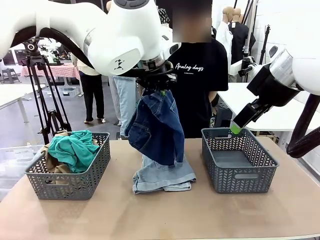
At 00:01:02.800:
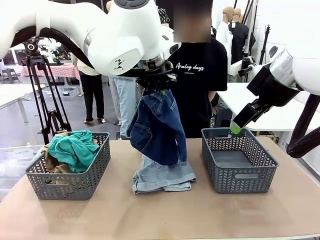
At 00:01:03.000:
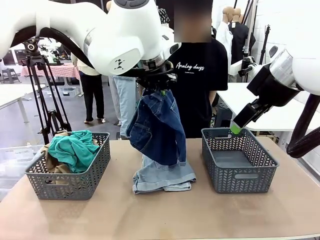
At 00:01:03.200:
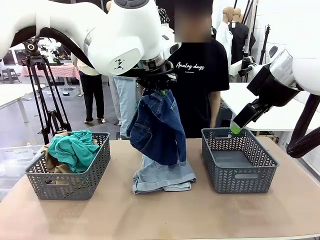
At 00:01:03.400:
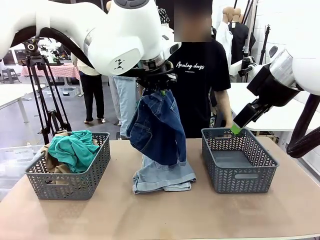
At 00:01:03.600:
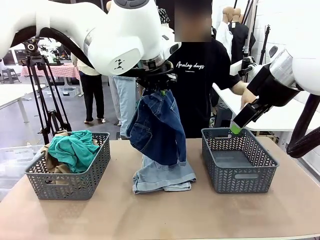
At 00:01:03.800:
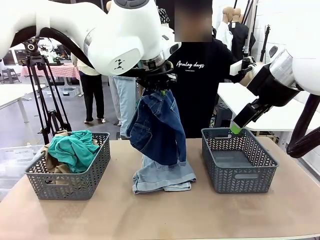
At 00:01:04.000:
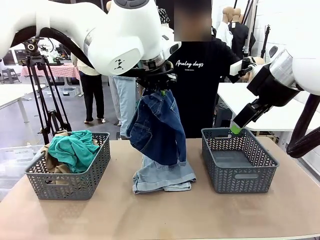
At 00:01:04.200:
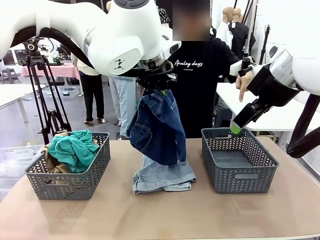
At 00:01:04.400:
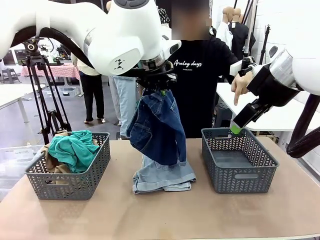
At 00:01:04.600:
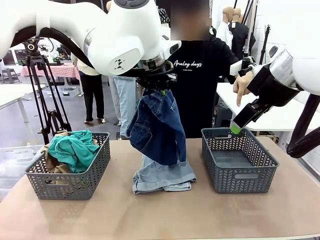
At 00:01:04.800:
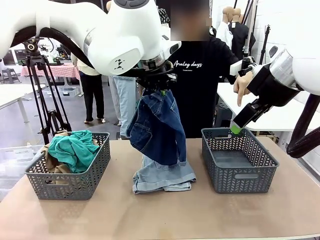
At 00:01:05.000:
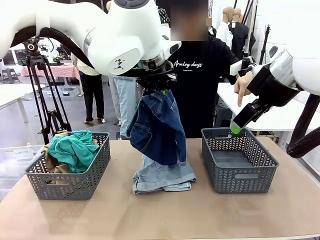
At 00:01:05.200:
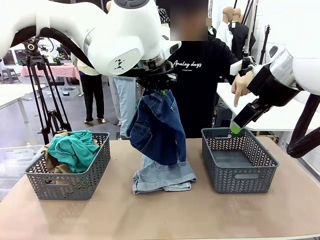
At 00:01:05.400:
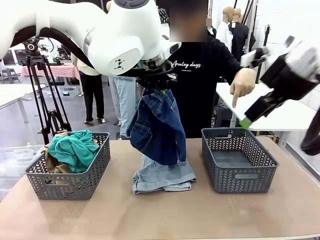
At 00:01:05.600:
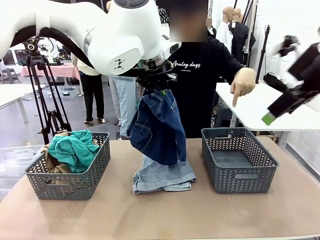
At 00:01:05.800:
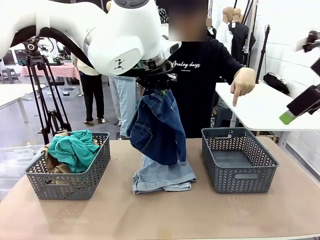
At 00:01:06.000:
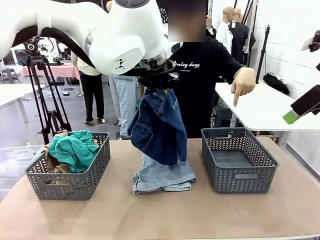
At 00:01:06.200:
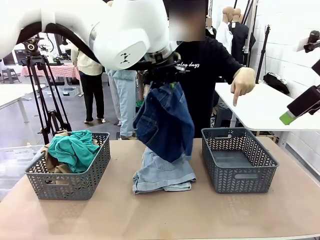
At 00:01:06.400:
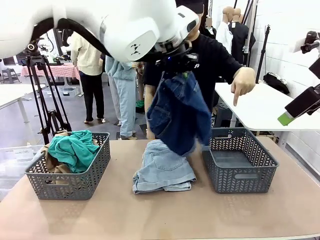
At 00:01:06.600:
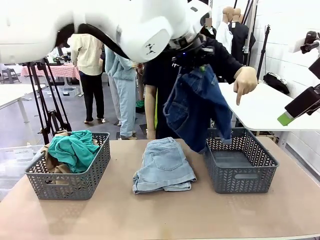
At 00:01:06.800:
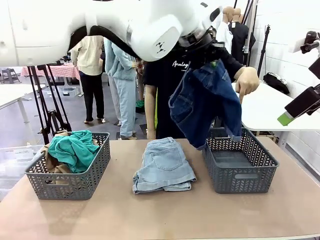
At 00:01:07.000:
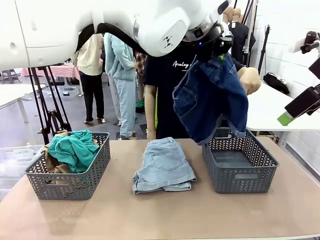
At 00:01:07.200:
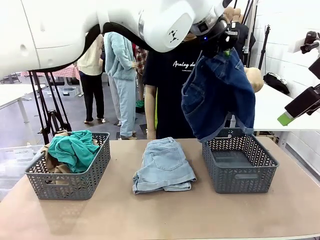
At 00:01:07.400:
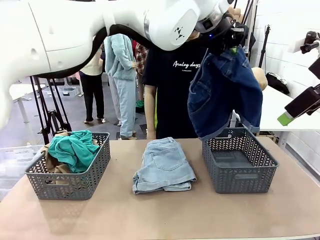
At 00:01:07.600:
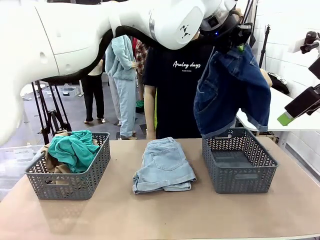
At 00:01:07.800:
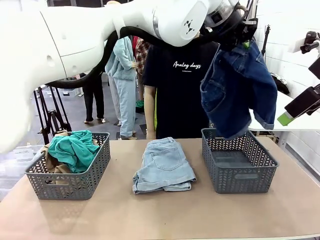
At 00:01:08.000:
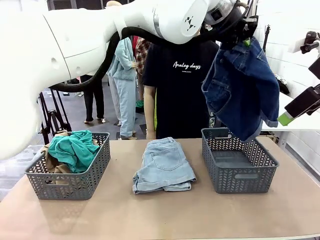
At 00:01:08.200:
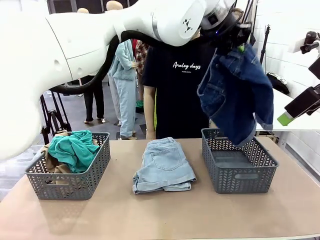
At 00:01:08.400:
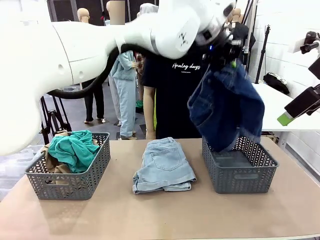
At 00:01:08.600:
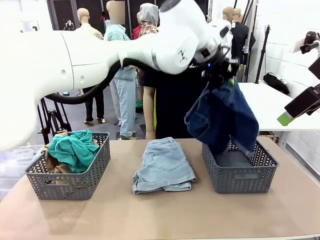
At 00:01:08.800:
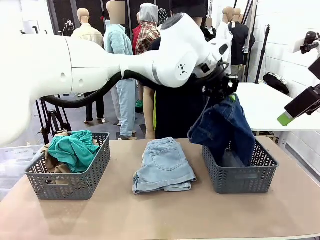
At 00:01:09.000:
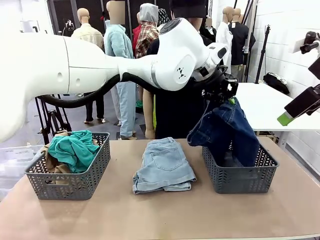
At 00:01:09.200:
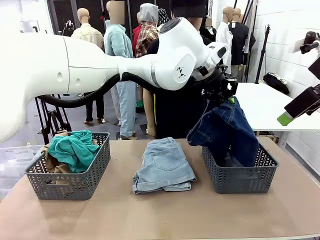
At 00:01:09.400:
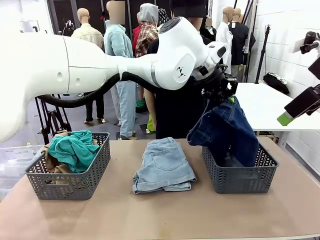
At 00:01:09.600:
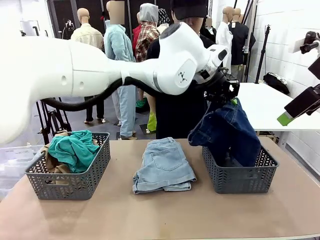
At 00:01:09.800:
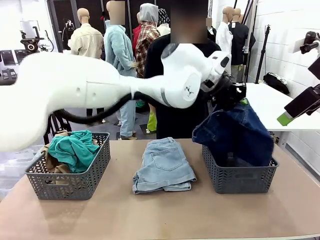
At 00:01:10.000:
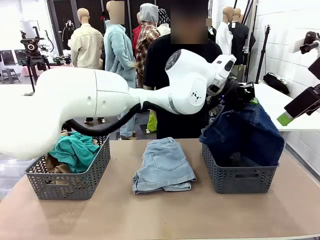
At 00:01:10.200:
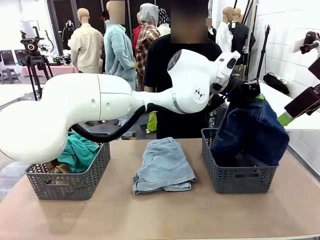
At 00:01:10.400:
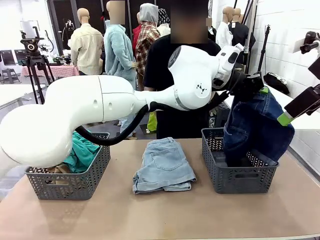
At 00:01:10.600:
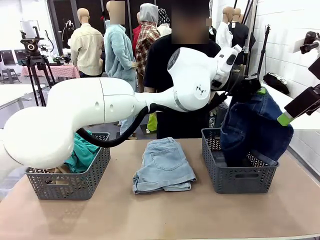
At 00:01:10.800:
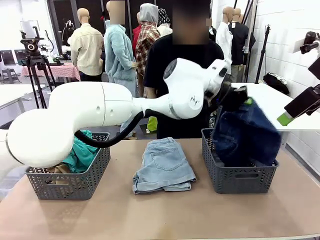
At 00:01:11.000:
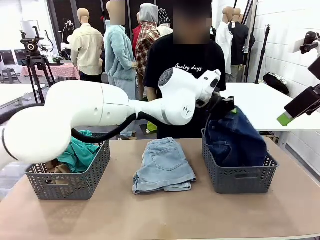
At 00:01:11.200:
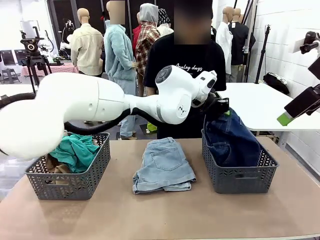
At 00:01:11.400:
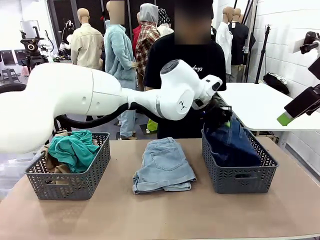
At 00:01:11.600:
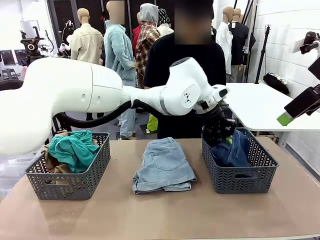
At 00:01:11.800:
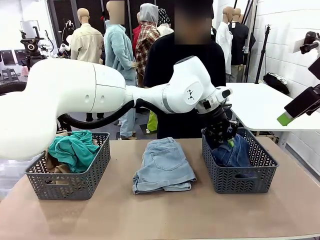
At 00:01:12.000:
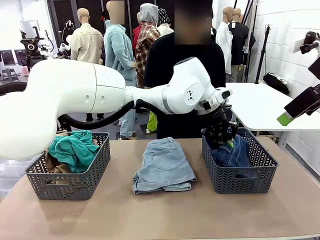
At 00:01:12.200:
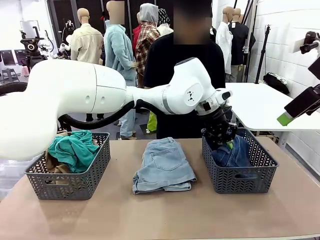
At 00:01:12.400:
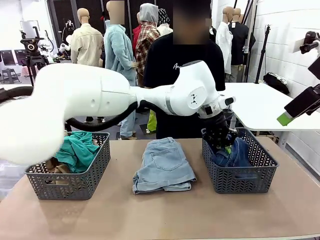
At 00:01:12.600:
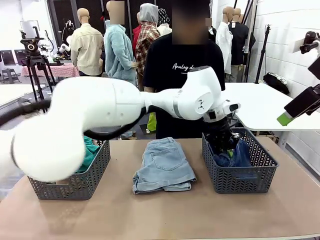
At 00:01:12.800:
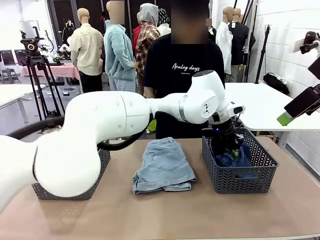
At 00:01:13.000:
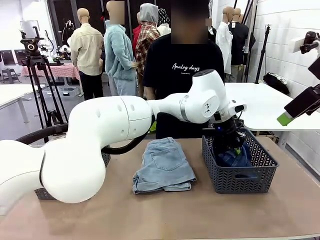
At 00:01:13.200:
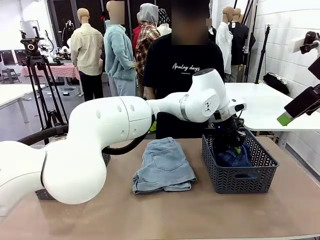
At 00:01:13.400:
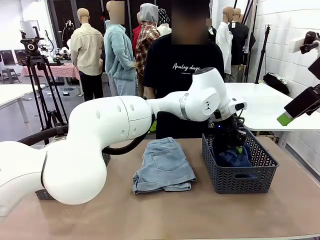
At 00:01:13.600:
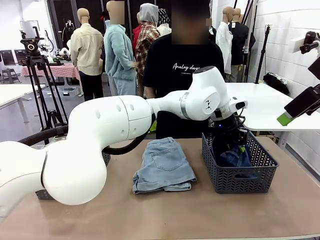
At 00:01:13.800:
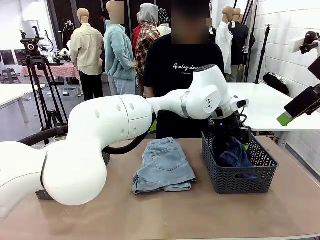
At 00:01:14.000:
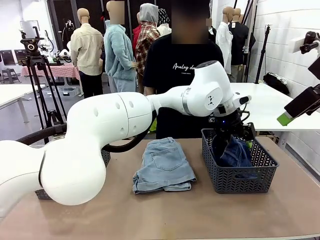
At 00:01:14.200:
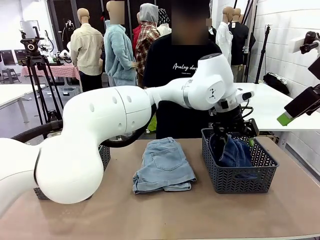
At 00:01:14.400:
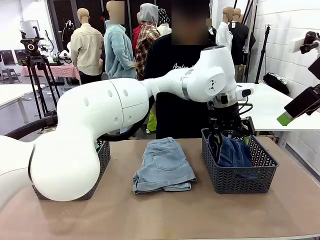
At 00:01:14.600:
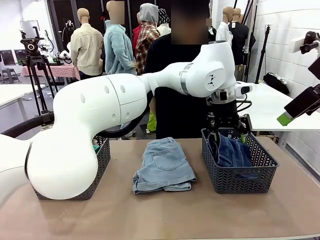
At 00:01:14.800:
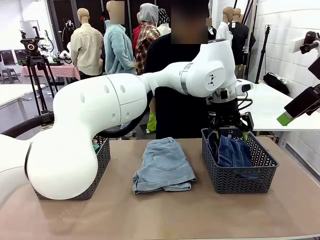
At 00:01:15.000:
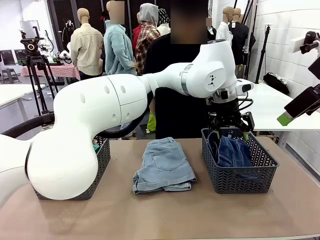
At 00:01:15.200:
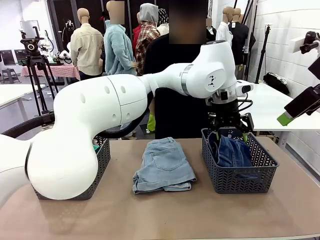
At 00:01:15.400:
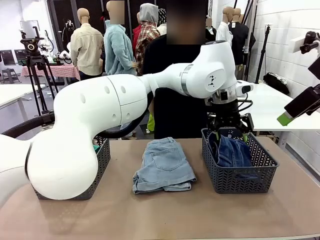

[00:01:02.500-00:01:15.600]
Task: Sort the tops and bottoms.
Robot: Sort the clothes according to human instructions.
